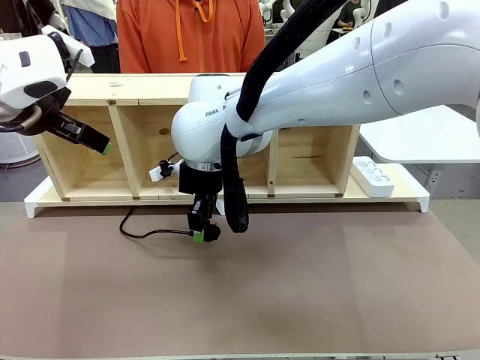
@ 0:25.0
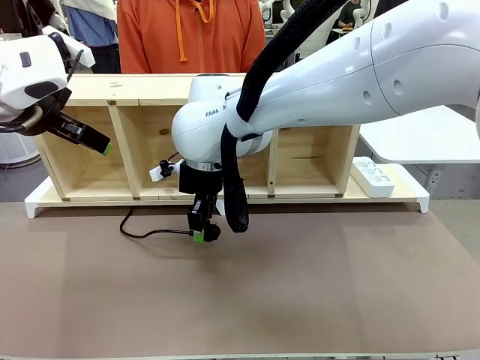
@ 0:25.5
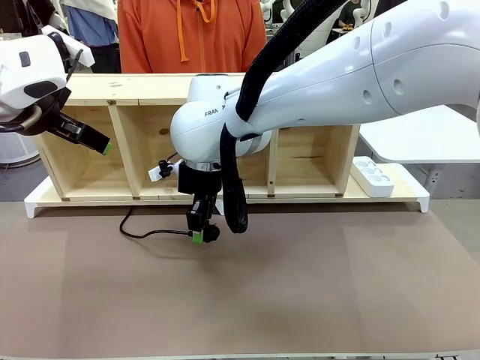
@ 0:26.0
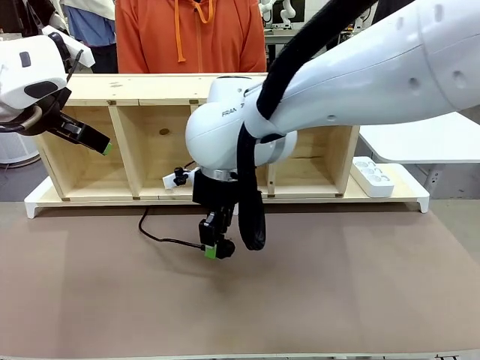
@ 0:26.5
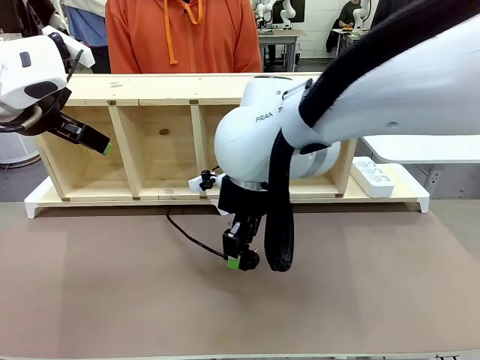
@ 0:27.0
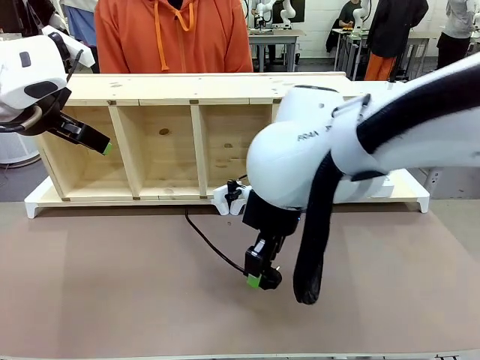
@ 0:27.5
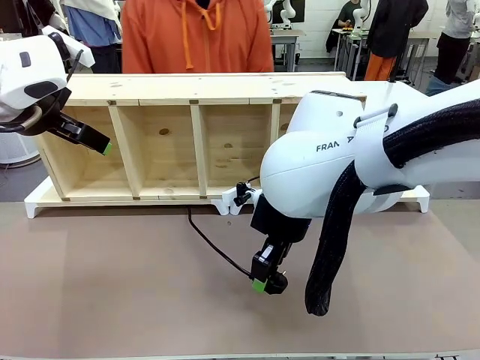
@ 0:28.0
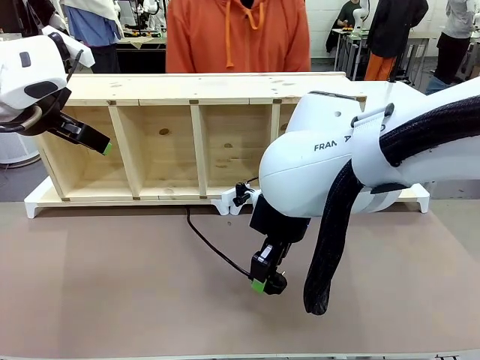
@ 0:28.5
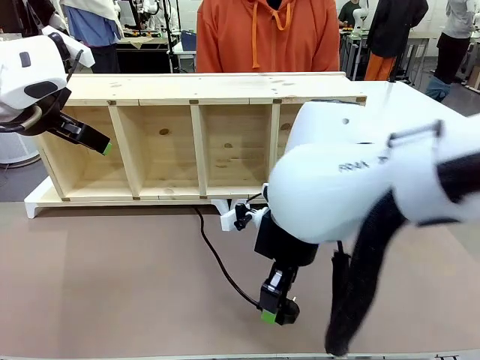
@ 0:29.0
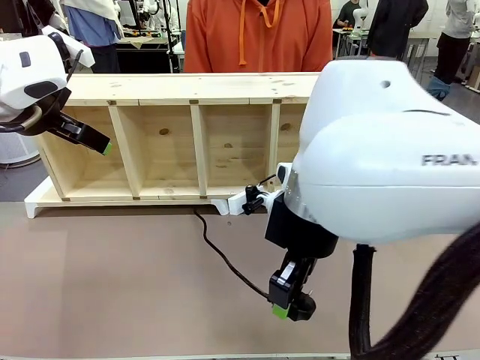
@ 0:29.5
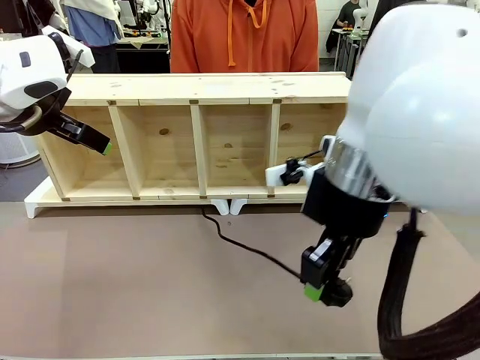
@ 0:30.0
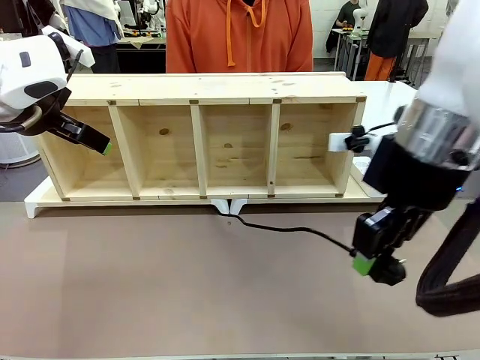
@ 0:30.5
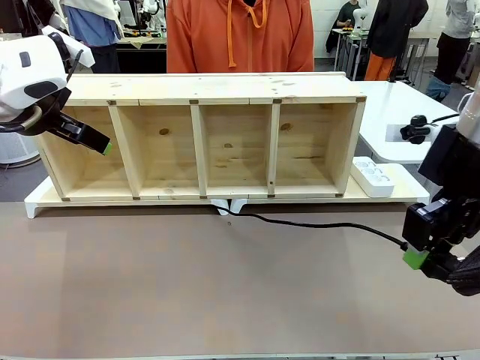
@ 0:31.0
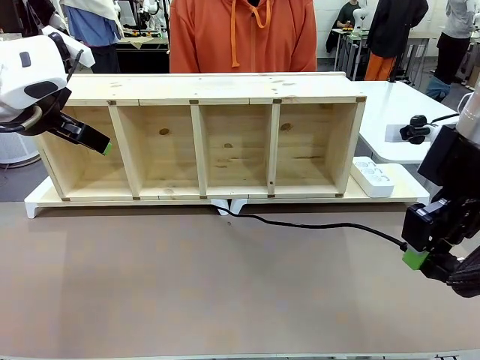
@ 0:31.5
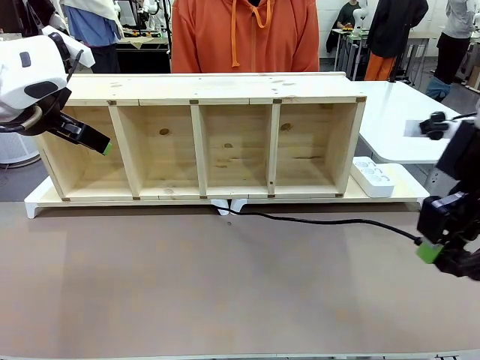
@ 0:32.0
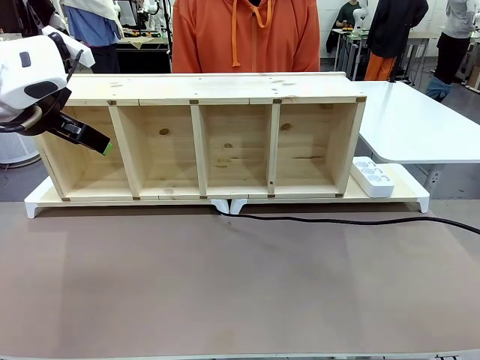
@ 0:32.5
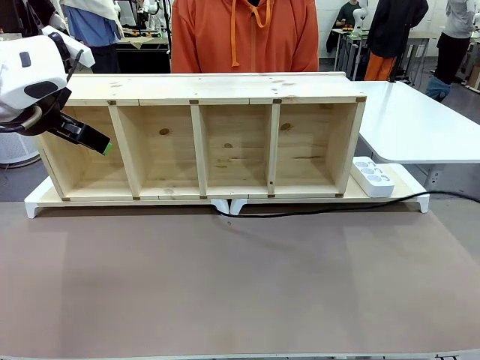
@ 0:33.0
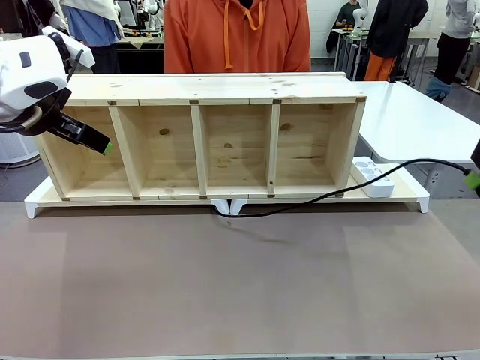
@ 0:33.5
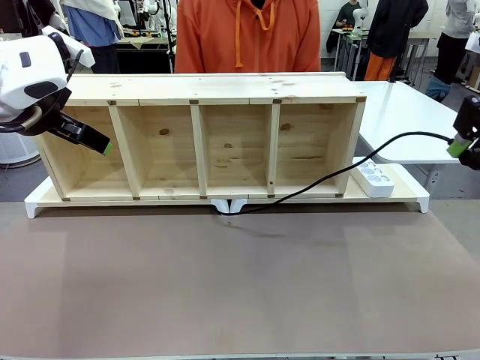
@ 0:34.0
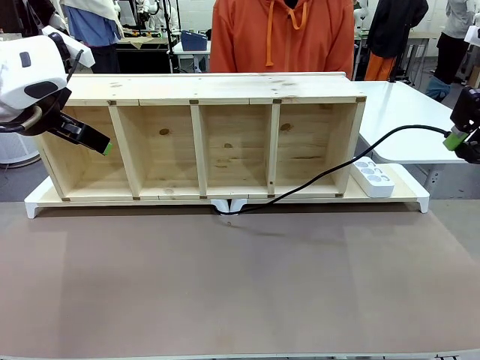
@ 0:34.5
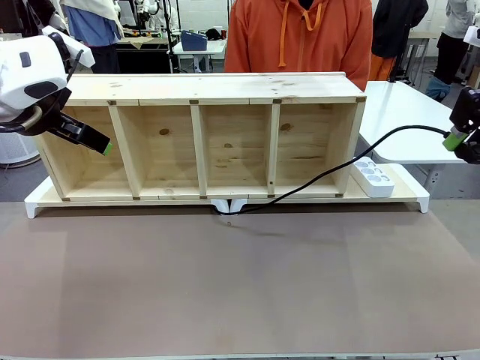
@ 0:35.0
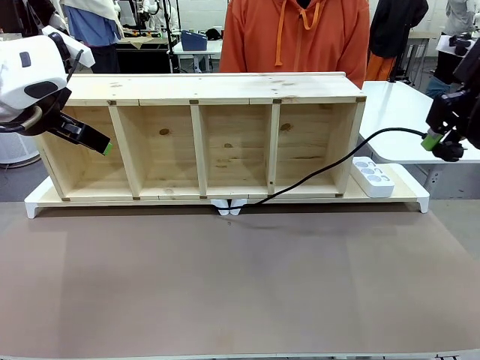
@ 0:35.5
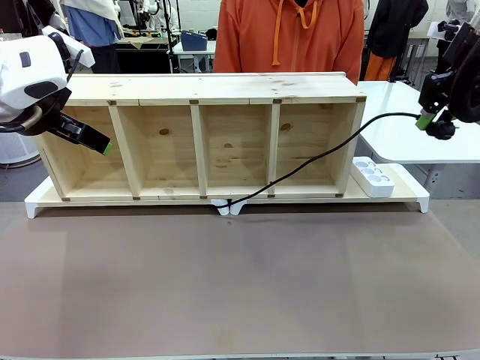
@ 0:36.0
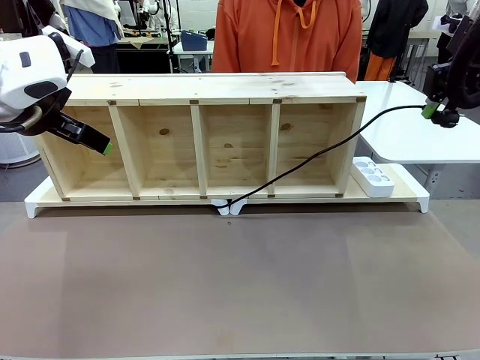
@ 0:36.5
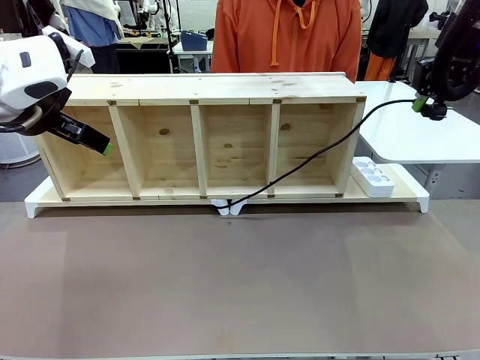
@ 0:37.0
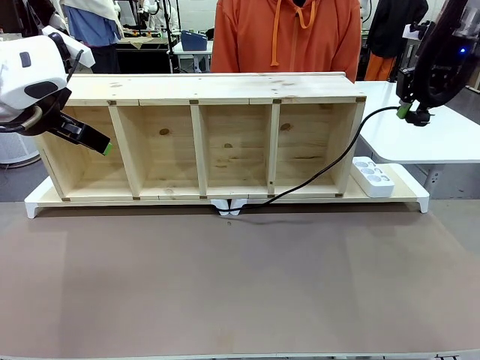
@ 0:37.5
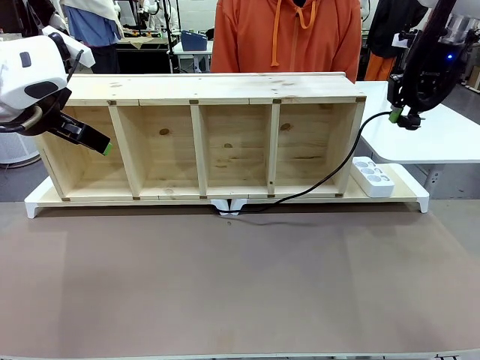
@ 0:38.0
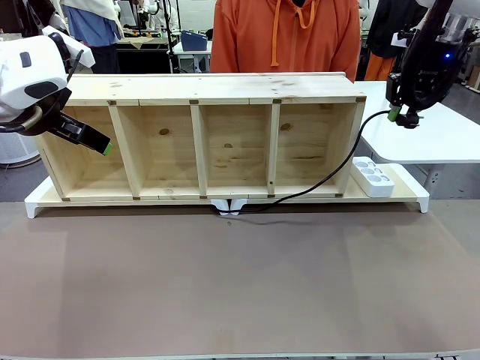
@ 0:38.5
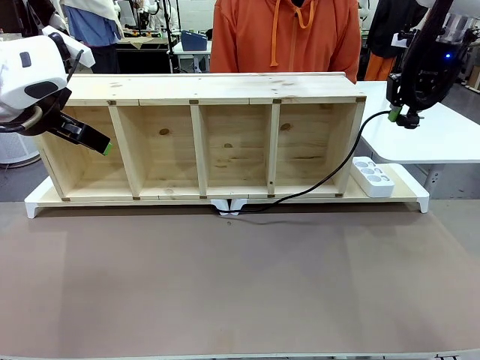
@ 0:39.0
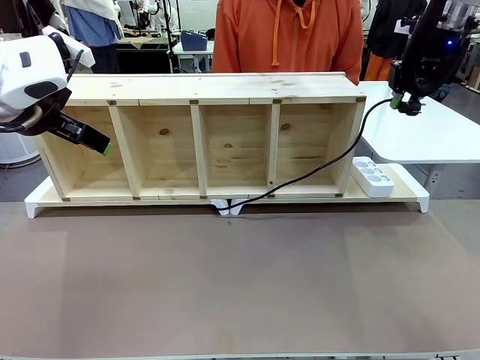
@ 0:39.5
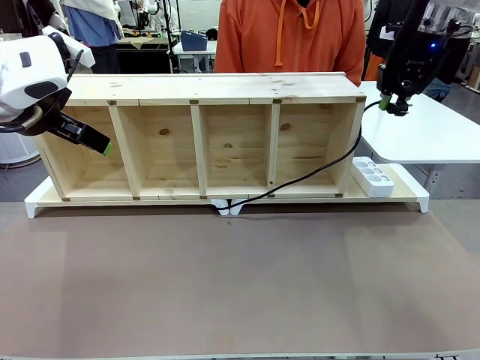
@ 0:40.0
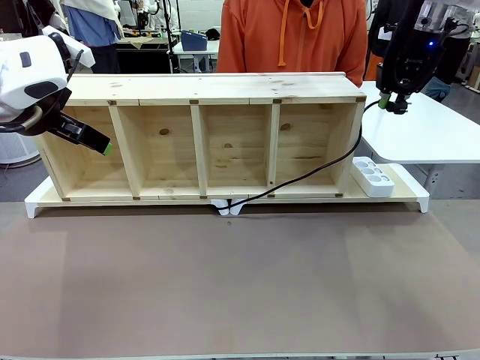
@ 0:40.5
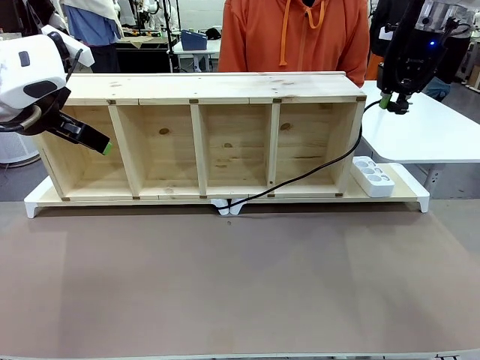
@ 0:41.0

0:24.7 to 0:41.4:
Task: Perform cable management.
Robot: Pull the grasped Power Cable to the location of the Power Strip.

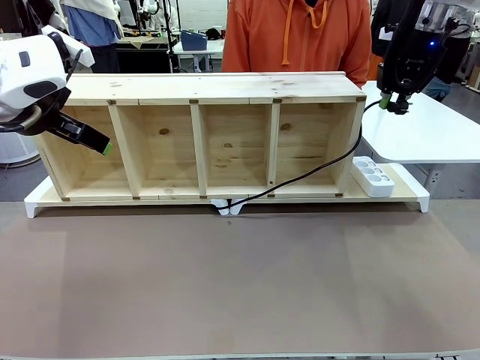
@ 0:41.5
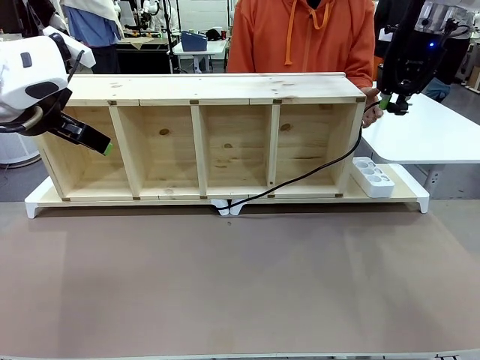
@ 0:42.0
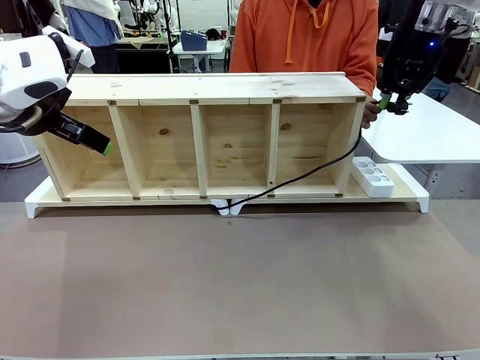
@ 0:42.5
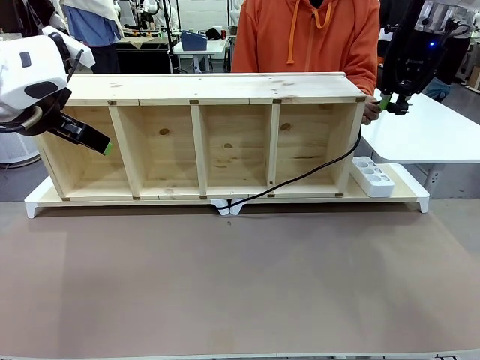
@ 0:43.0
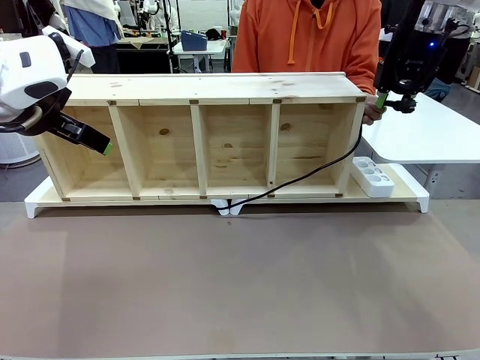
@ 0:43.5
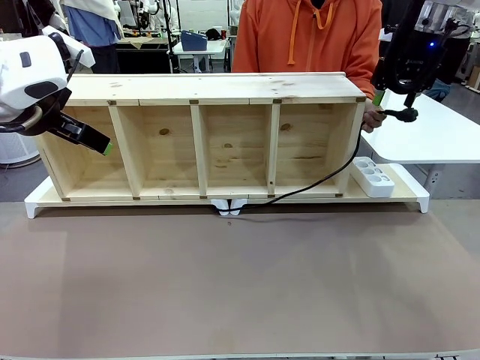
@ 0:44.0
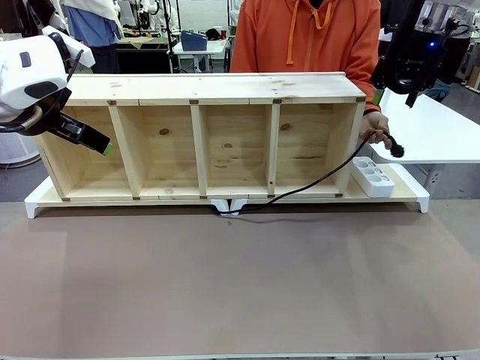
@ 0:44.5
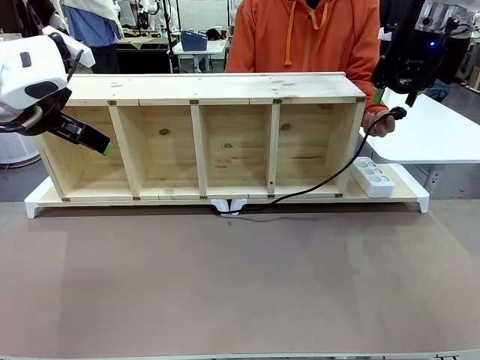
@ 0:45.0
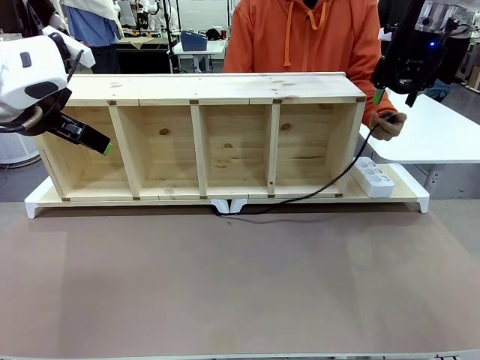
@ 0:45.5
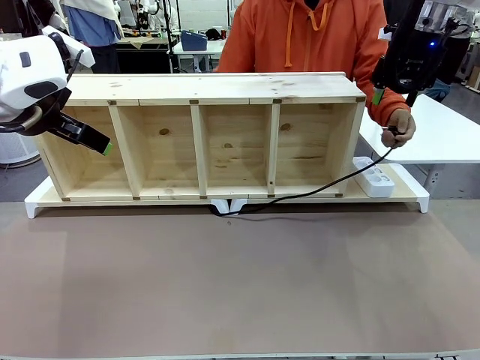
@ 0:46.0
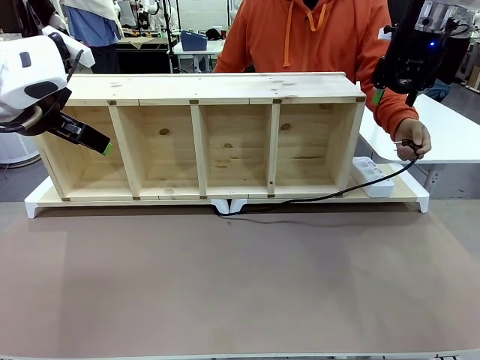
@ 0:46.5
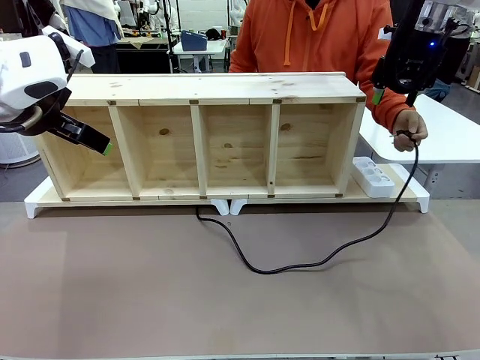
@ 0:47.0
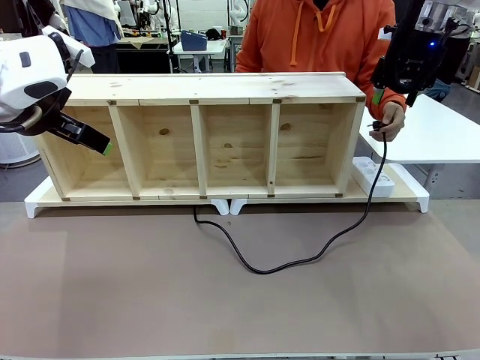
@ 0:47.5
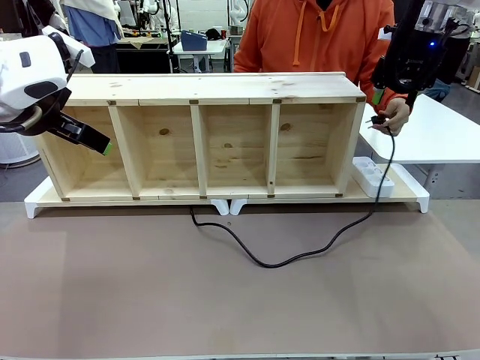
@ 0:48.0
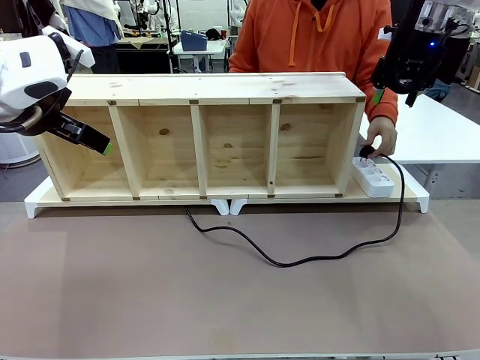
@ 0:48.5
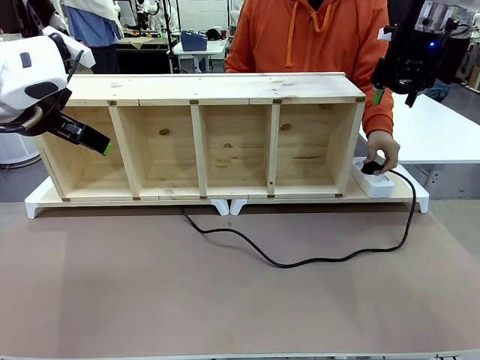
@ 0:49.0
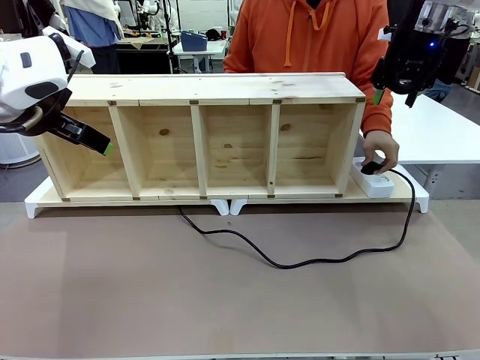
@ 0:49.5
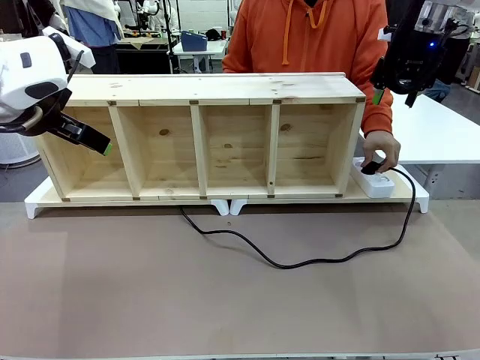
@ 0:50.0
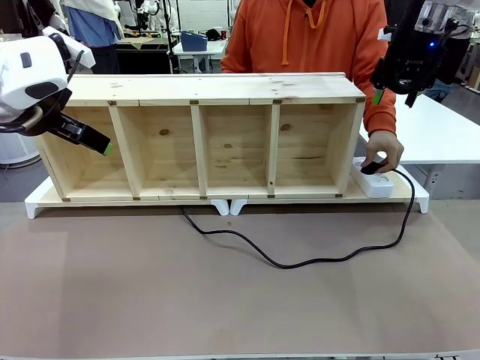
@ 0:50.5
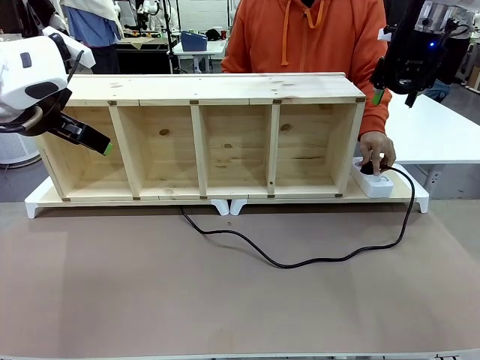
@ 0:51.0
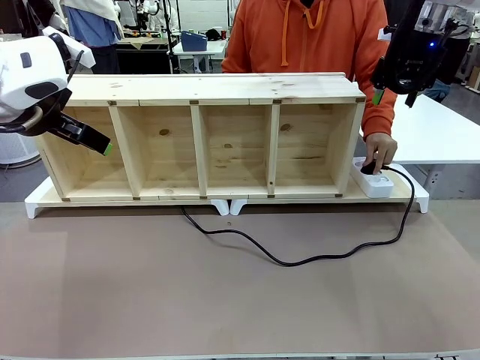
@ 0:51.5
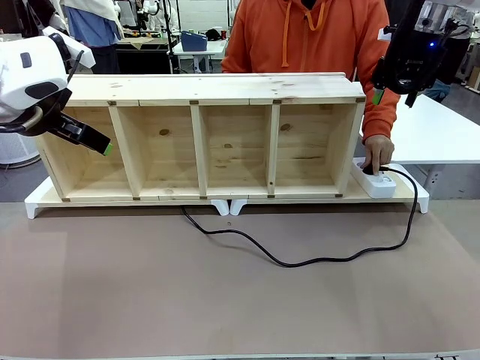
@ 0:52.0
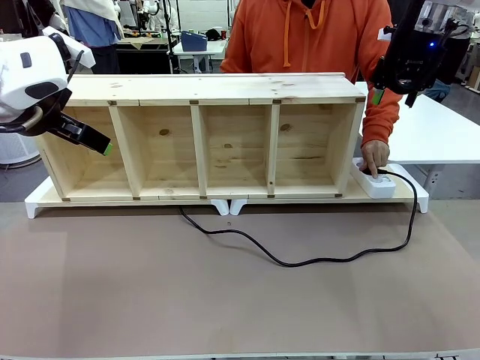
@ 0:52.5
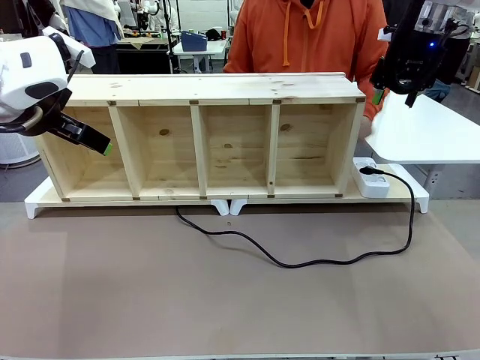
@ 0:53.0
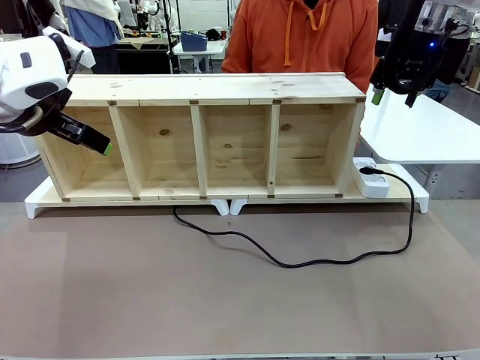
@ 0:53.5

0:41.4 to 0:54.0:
Robot: Release the Power Cable when the human grasps it.
Person: Plug the Power Cable into the Power Strip.
